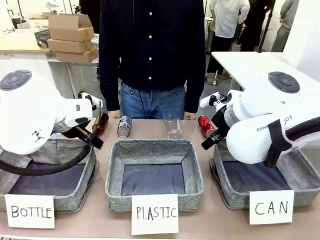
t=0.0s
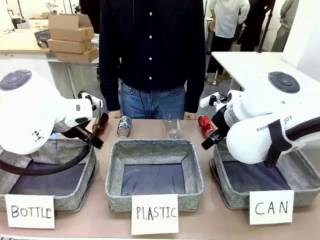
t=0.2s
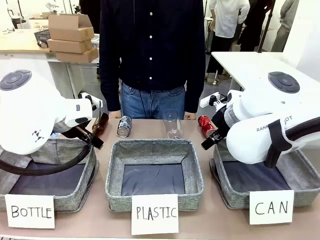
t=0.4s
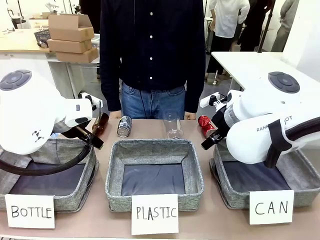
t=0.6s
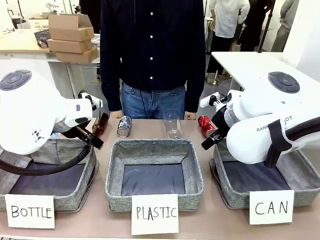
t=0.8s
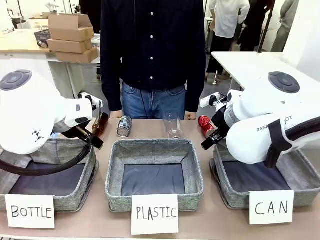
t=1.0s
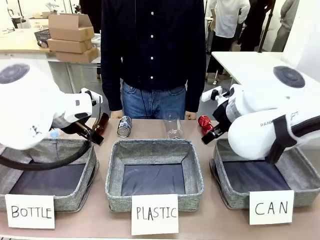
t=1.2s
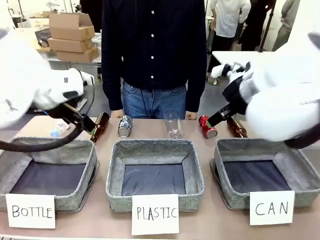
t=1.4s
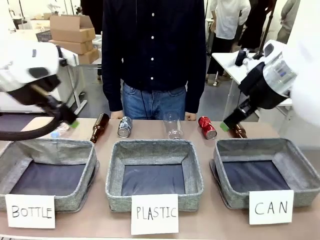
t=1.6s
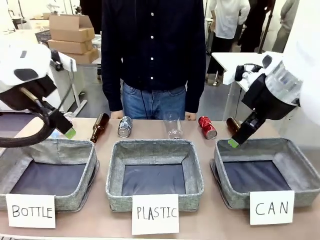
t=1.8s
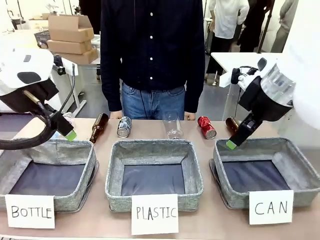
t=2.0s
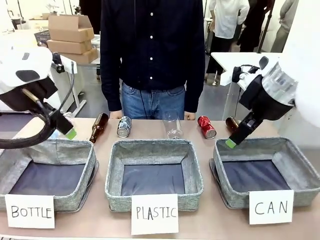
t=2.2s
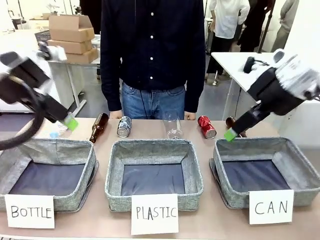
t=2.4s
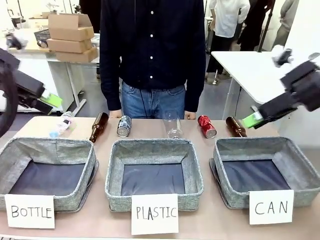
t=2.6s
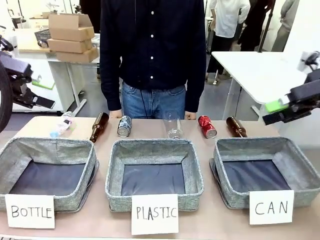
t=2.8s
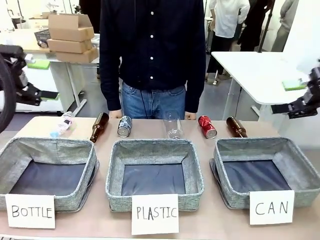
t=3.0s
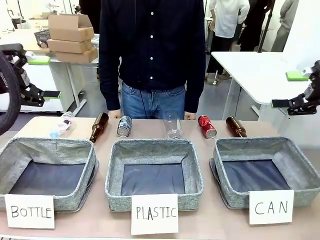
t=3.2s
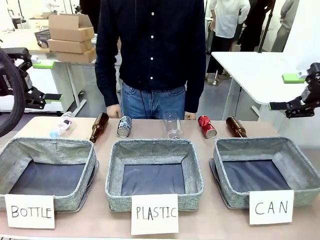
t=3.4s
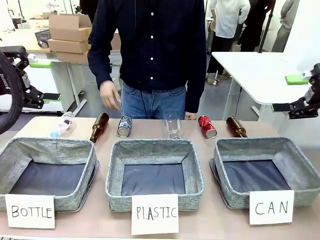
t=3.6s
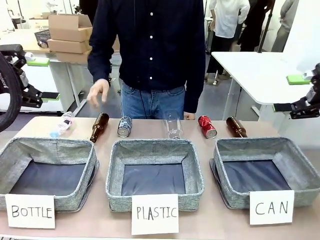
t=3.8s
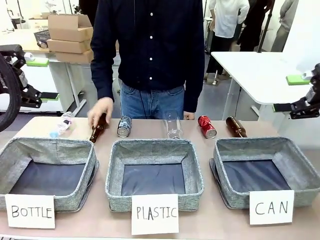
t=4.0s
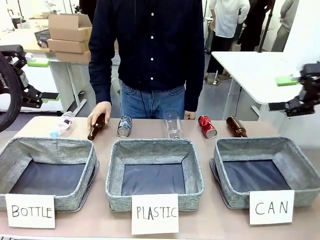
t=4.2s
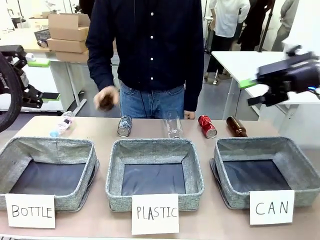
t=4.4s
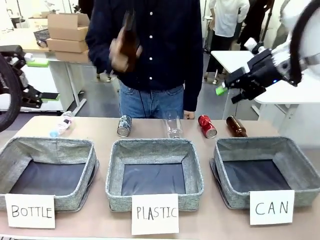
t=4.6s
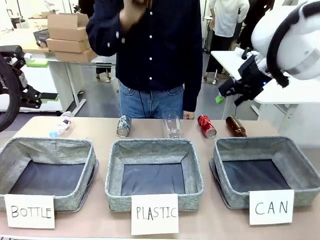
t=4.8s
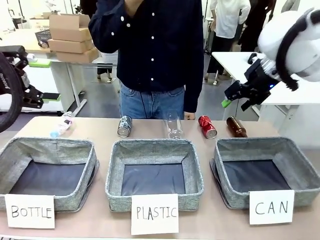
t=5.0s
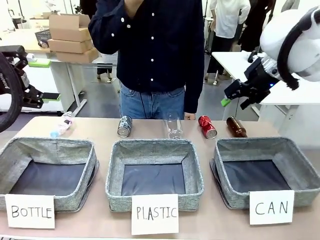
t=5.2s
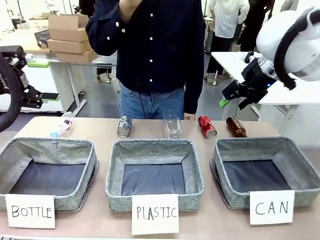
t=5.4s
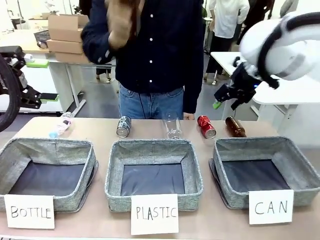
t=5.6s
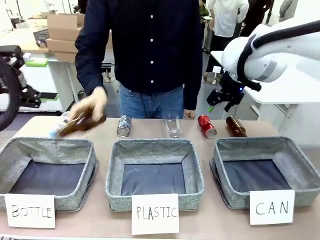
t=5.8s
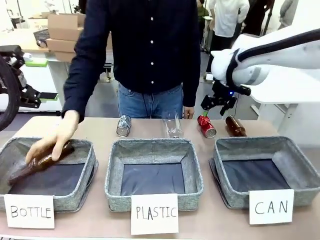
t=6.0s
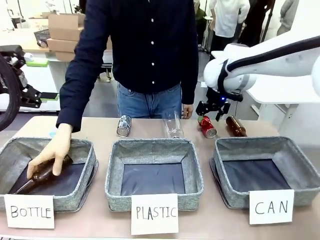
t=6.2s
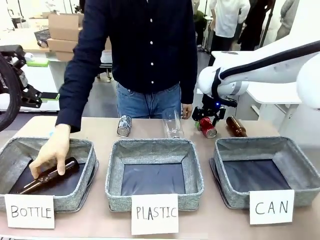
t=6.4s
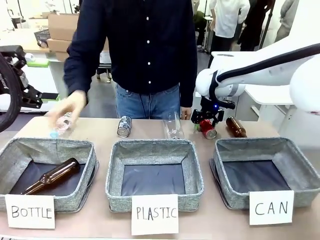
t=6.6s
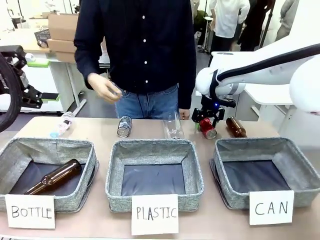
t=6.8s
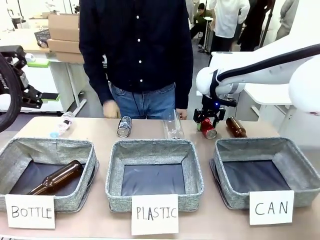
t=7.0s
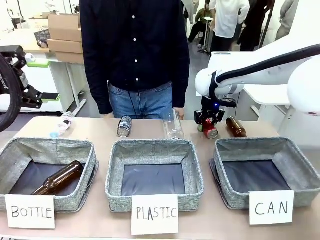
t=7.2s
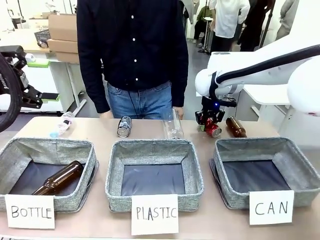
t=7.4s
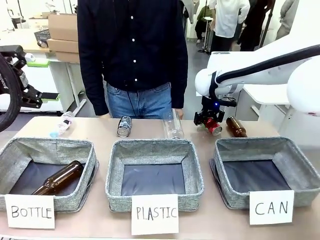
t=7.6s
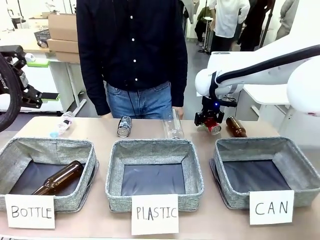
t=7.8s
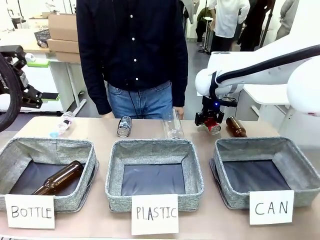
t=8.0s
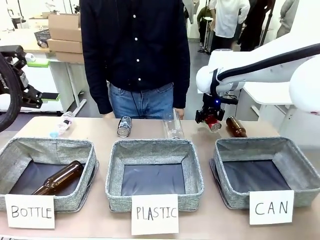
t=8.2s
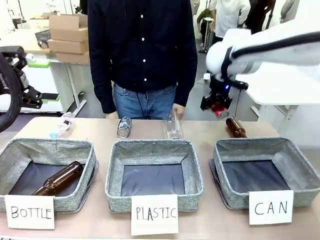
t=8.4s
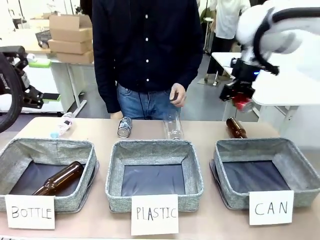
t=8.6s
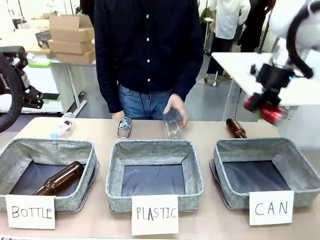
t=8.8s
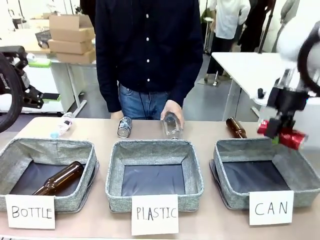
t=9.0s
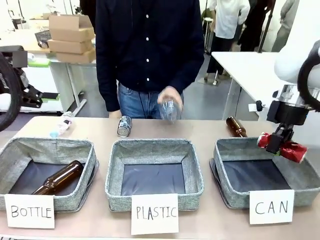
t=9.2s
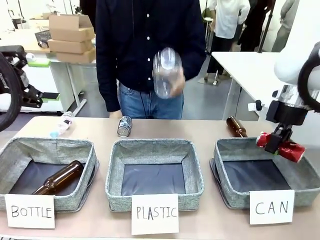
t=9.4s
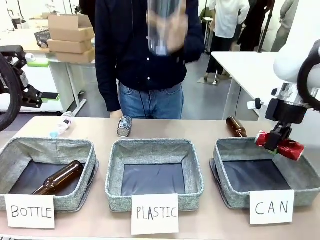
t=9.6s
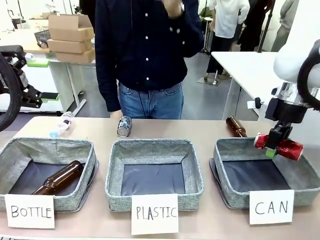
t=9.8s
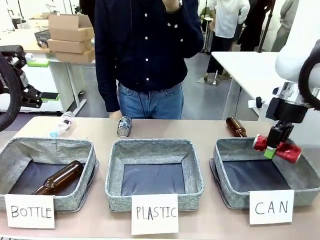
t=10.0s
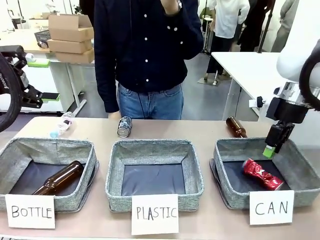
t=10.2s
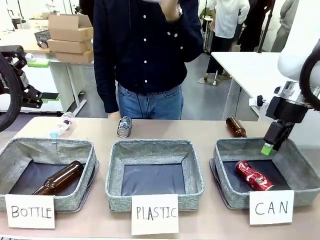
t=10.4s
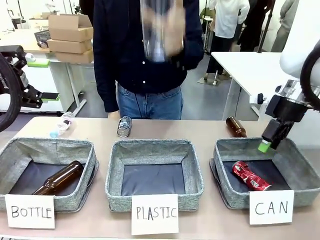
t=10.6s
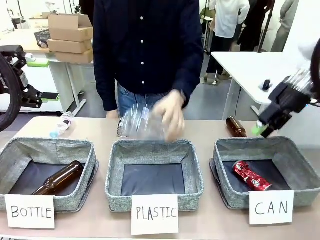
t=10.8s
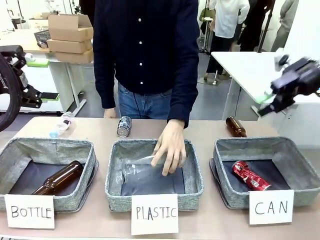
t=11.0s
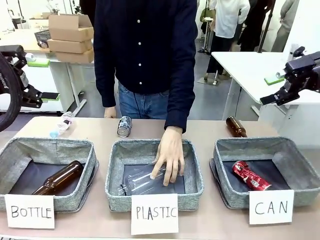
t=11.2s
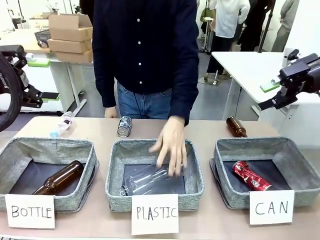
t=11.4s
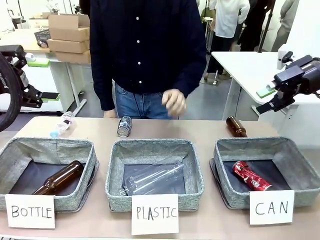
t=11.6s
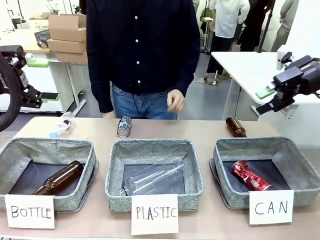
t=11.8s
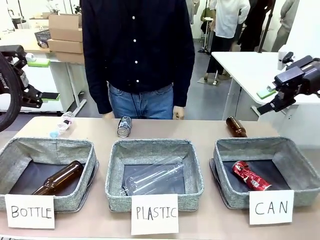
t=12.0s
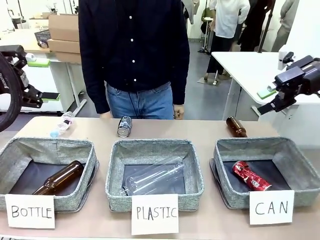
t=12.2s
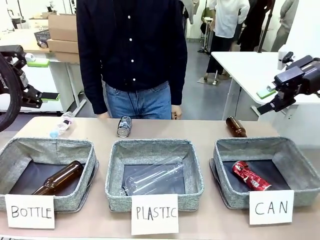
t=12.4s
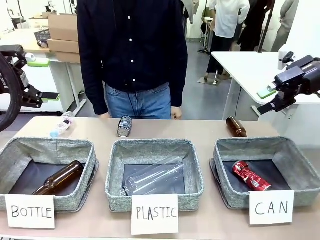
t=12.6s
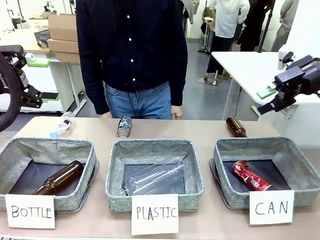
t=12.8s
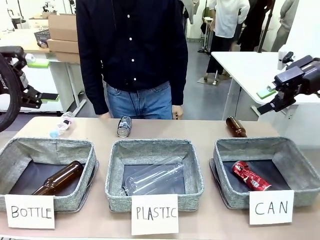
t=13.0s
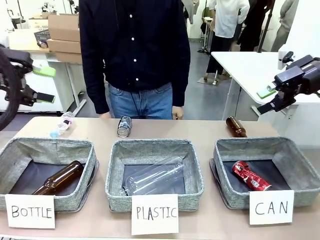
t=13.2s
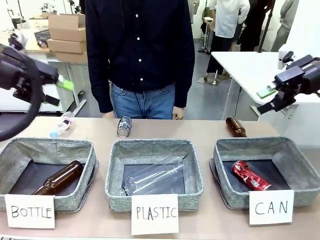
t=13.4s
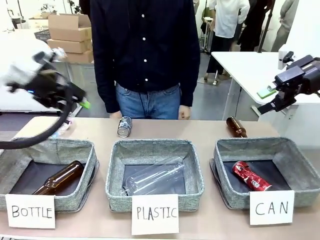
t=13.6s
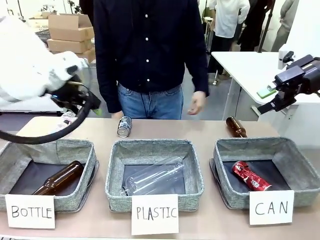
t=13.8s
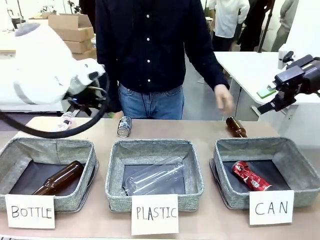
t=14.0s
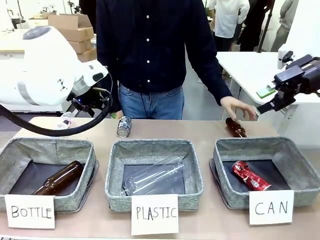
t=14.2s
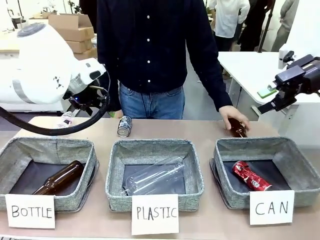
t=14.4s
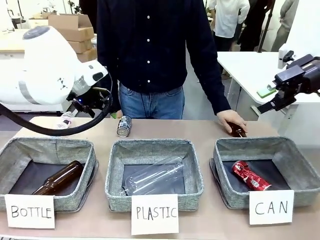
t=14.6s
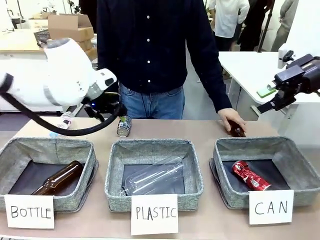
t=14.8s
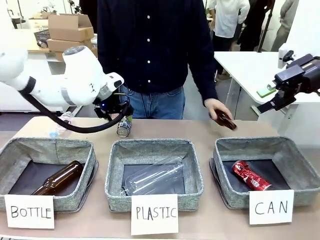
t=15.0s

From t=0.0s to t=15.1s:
Task: Sort the can waste into the basket.
Robot: Pick up the can waste from the table and place it in the right Fabric basket.
